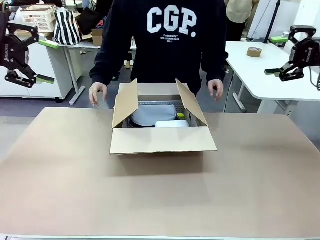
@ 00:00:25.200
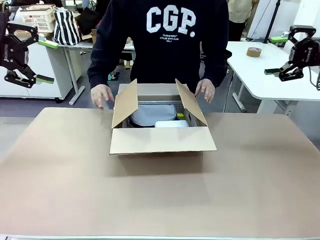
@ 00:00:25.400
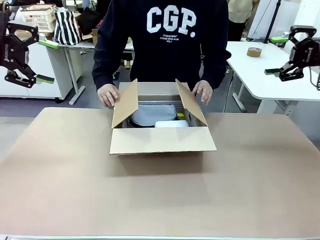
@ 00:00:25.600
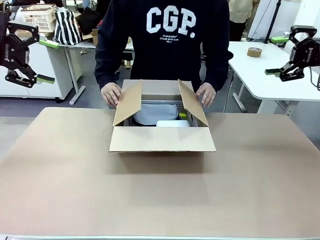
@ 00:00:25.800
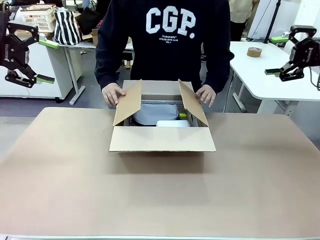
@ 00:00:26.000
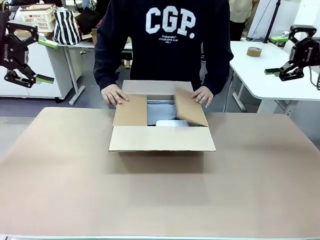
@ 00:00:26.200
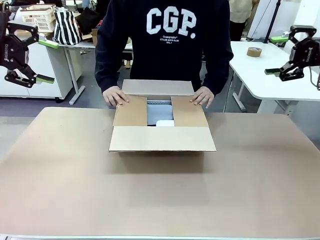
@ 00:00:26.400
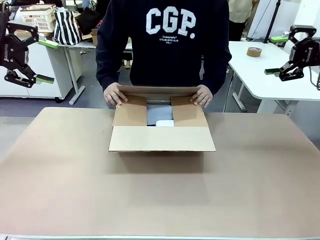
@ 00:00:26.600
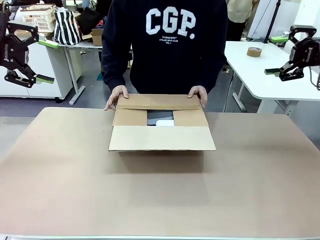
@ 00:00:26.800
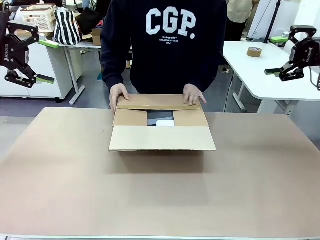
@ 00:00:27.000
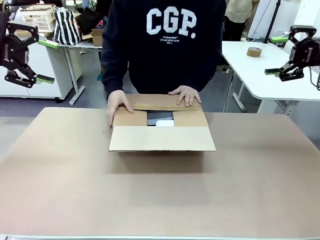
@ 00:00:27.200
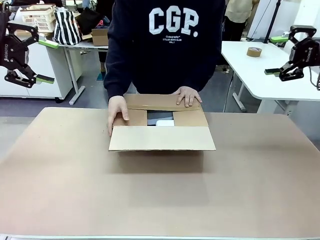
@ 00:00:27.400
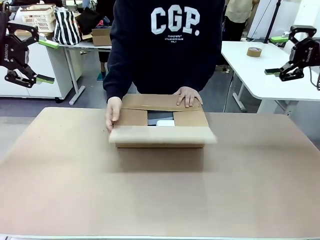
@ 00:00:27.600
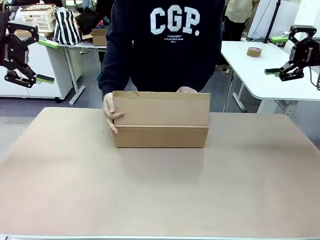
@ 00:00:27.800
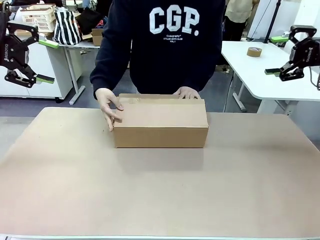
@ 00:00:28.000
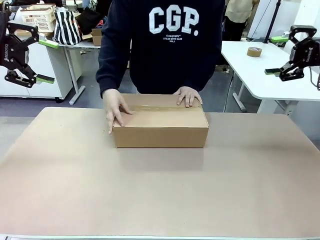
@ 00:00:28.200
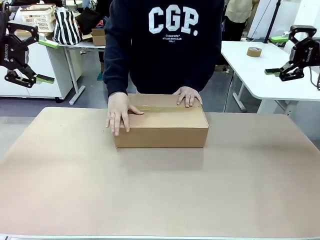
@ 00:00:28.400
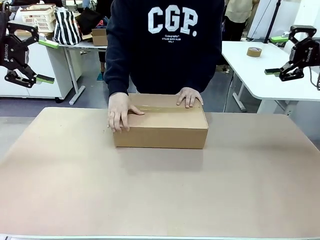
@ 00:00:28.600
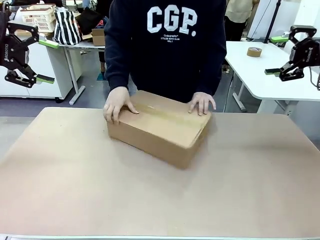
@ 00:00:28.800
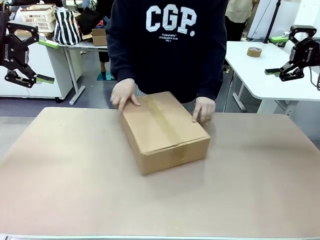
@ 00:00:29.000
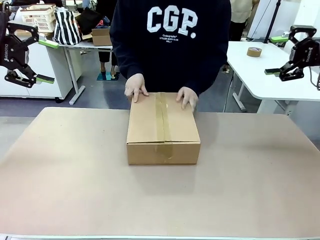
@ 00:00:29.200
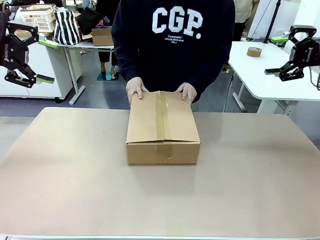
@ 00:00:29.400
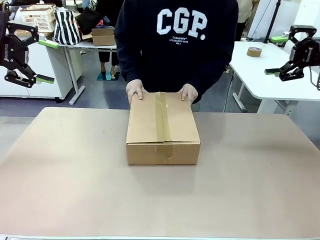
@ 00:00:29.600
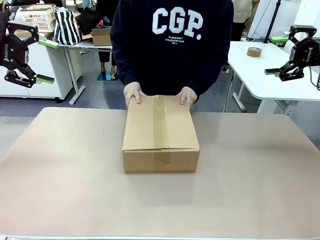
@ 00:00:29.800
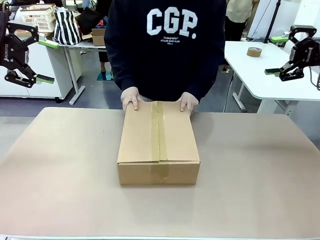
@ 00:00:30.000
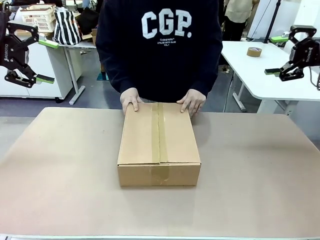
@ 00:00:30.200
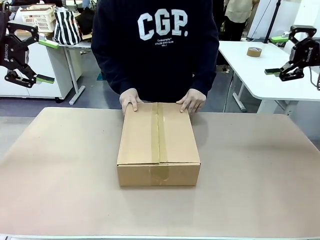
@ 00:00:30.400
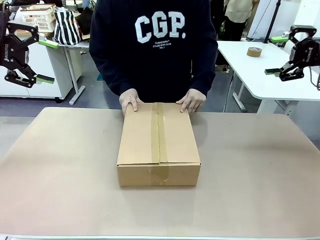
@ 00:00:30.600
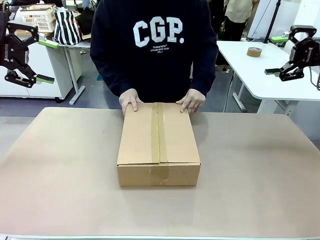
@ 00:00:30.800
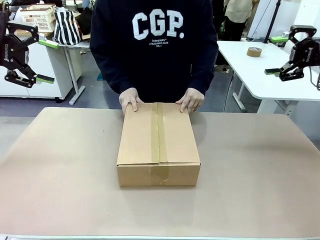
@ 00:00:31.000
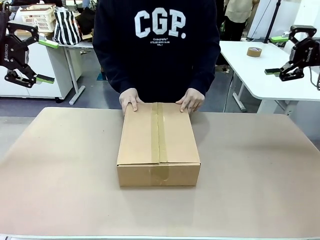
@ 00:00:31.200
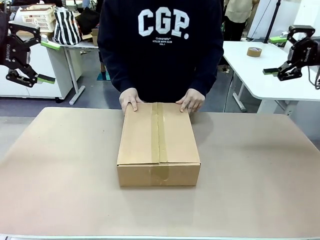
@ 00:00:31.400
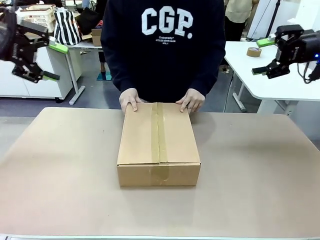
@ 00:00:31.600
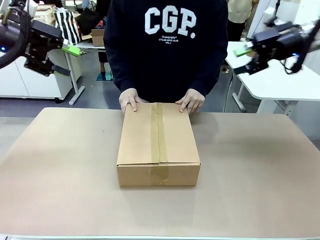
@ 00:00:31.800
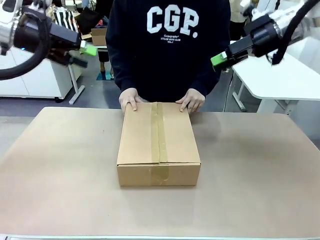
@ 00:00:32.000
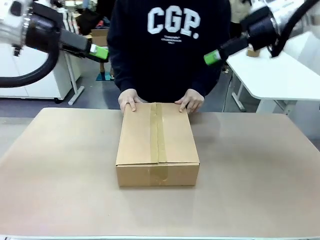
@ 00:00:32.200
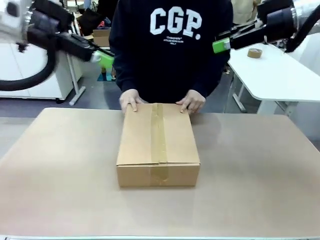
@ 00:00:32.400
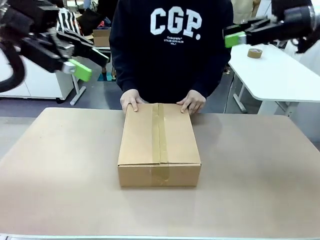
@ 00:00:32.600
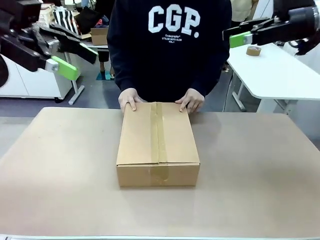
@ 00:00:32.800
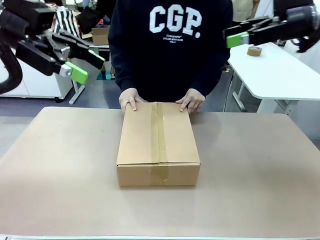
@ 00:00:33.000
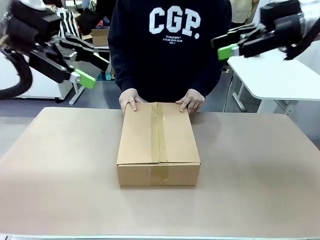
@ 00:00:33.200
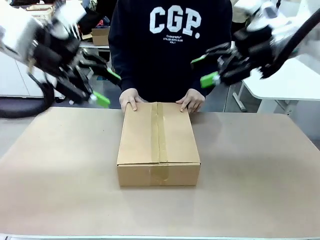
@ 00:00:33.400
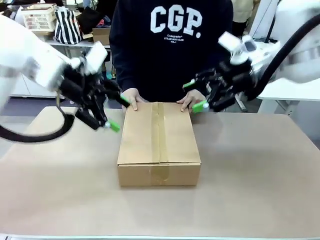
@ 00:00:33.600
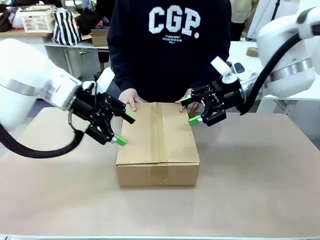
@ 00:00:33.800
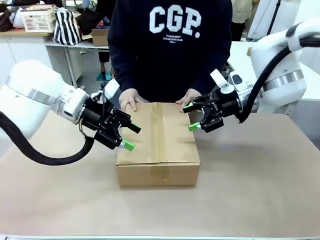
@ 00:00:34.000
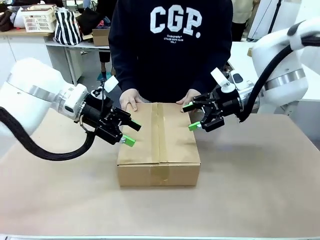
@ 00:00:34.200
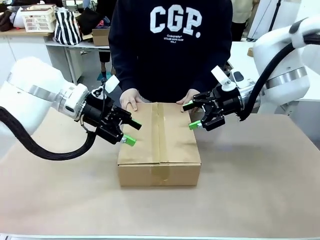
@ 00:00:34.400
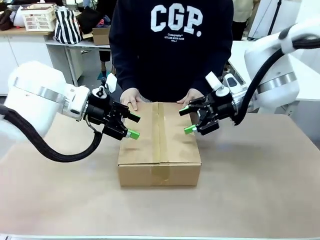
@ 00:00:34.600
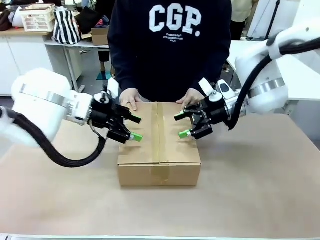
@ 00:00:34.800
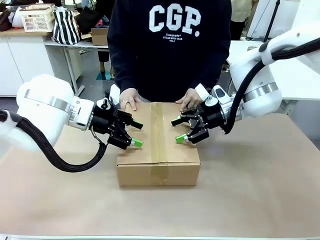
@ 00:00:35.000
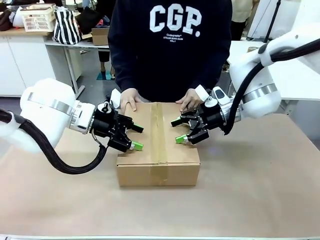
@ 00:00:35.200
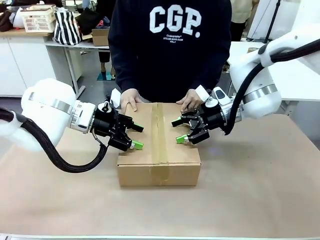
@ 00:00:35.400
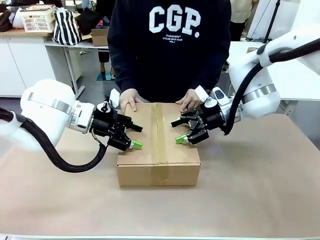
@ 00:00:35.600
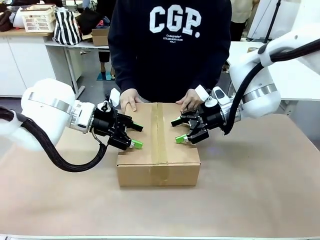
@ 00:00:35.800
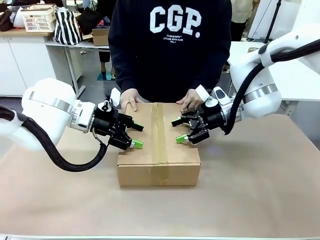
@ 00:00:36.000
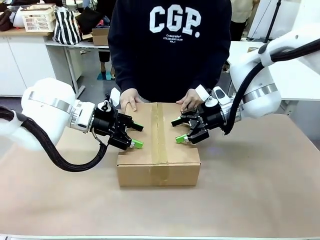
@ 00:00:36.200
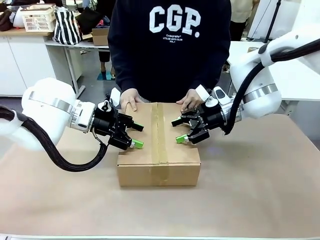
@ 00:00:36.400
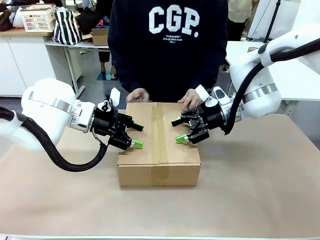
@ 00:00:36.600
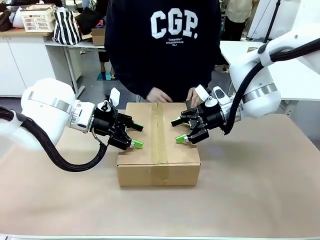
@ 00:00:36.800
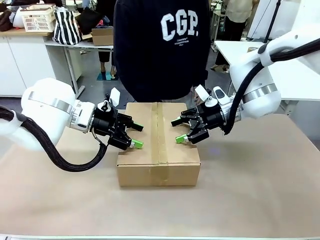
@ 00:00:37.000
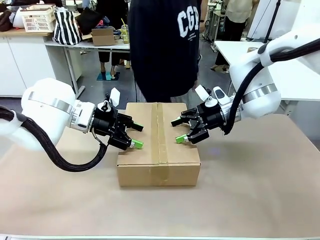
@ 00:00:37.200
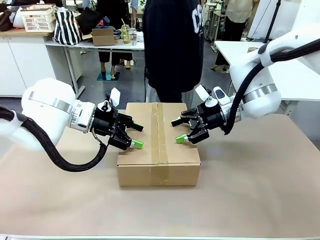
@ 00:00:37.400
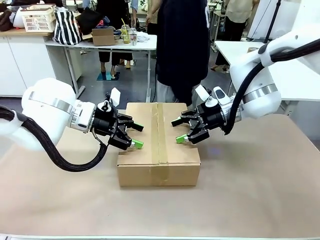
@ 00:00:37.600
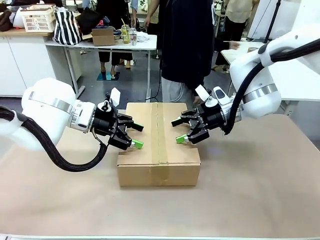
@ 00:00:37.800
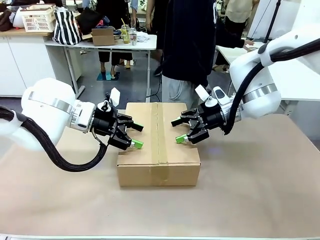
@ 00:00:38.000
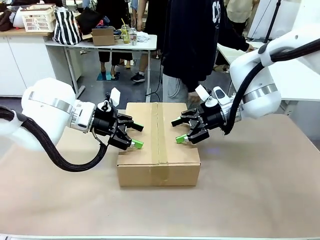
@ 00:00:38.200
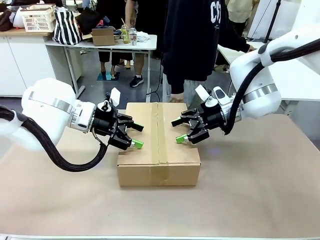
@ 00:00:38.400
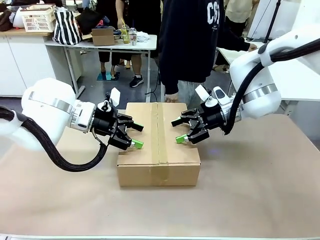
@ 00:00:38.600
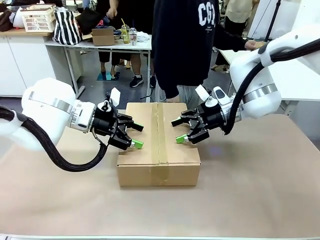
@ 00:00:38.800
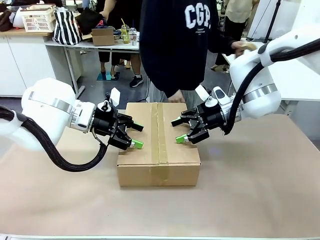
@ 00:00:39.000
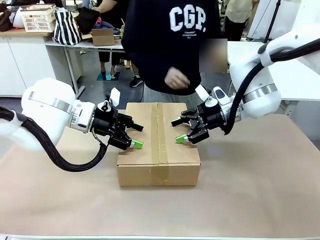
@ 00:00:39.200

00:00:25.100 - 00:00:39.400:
Task: Pack the gift set into the box.
Robot: Press and hold the closed box until the human finishes sealing it.
Person: The human closes the box and rotates the box by 90 degrees.
